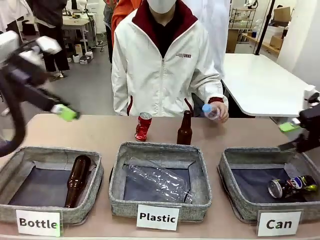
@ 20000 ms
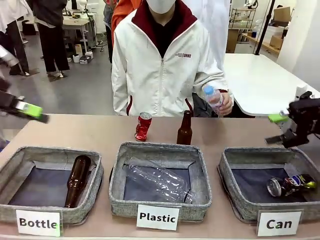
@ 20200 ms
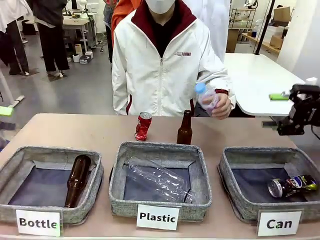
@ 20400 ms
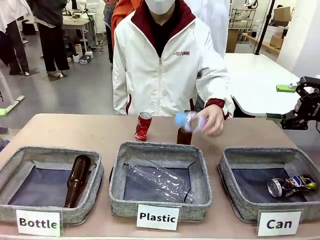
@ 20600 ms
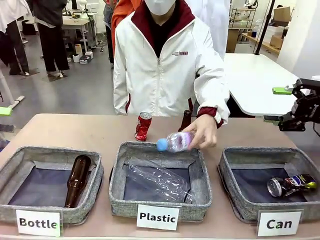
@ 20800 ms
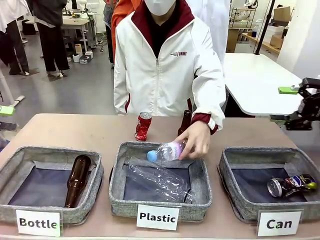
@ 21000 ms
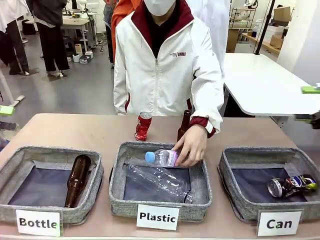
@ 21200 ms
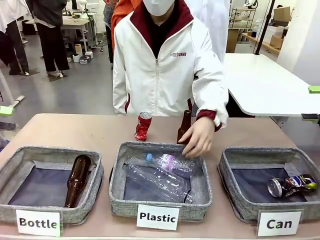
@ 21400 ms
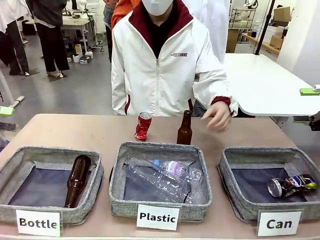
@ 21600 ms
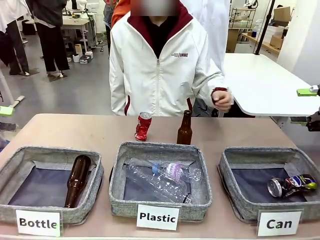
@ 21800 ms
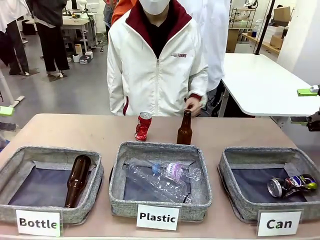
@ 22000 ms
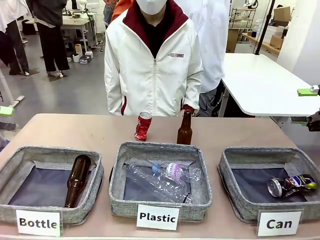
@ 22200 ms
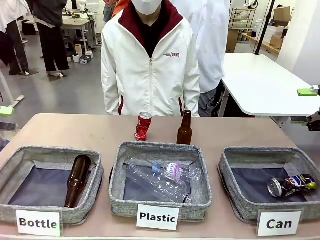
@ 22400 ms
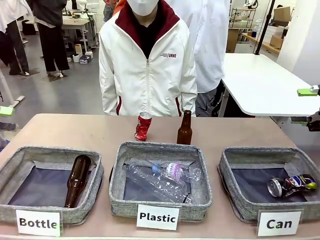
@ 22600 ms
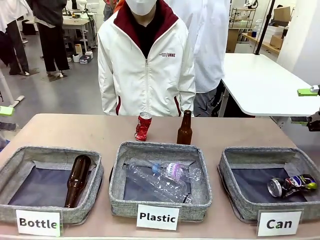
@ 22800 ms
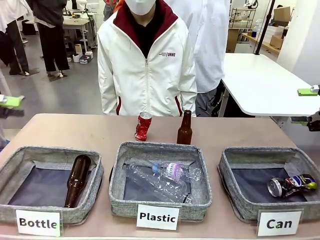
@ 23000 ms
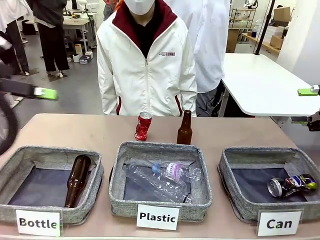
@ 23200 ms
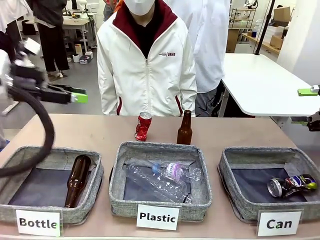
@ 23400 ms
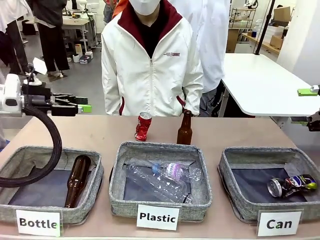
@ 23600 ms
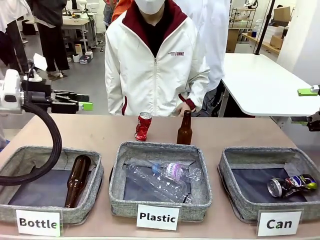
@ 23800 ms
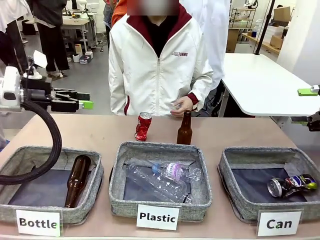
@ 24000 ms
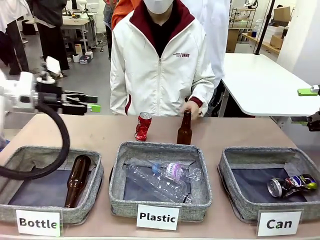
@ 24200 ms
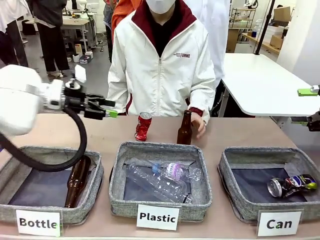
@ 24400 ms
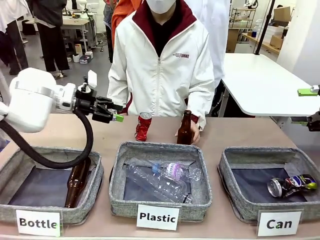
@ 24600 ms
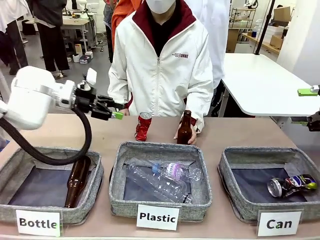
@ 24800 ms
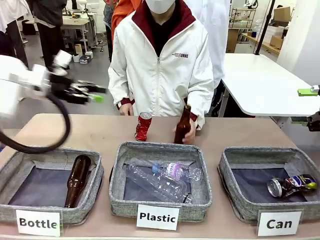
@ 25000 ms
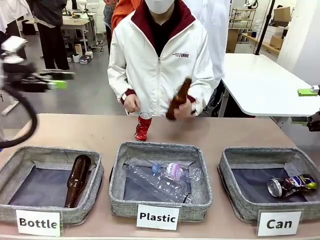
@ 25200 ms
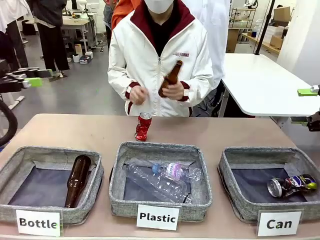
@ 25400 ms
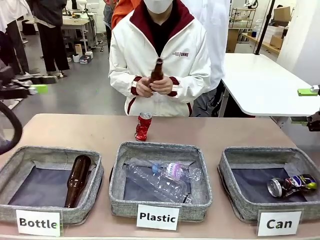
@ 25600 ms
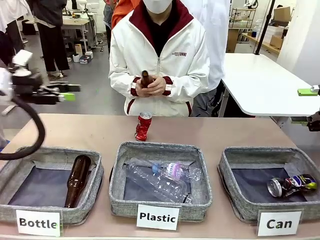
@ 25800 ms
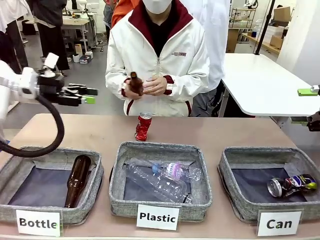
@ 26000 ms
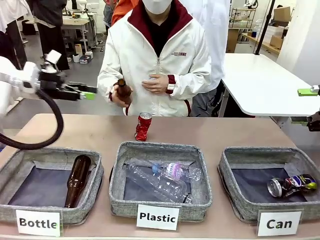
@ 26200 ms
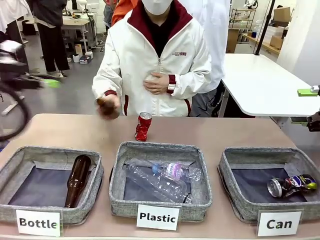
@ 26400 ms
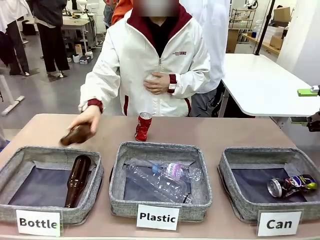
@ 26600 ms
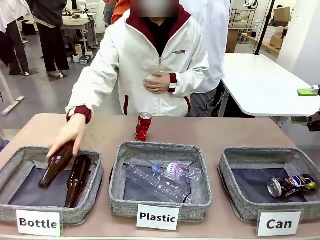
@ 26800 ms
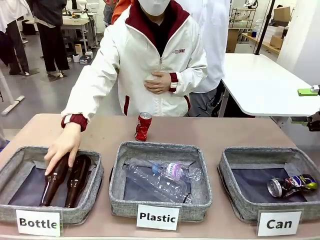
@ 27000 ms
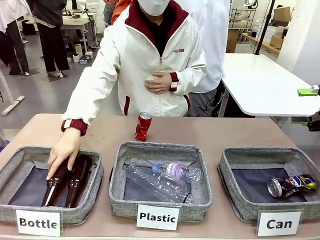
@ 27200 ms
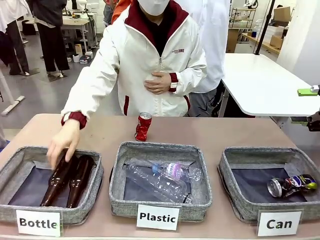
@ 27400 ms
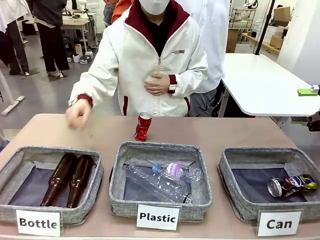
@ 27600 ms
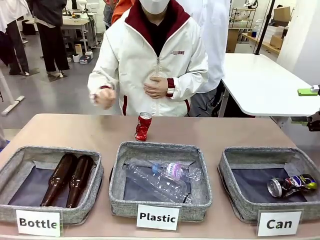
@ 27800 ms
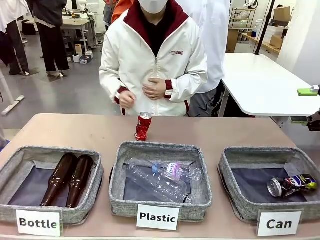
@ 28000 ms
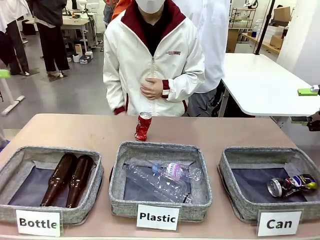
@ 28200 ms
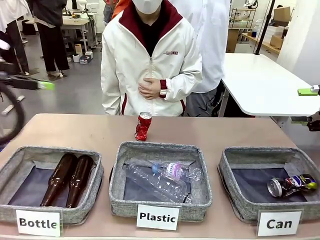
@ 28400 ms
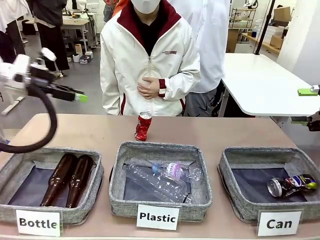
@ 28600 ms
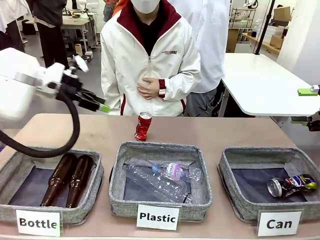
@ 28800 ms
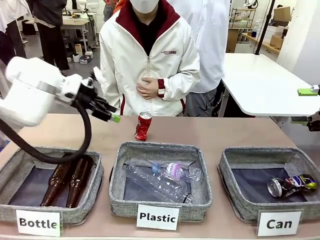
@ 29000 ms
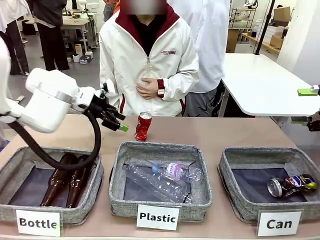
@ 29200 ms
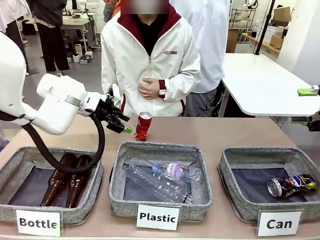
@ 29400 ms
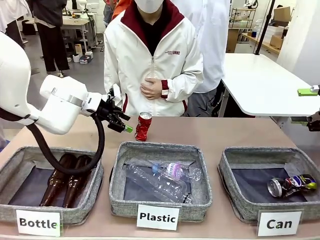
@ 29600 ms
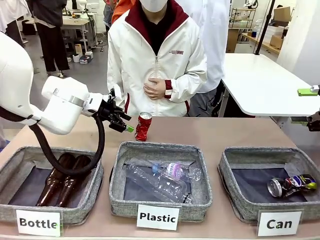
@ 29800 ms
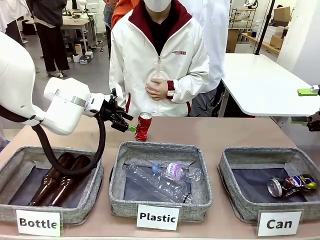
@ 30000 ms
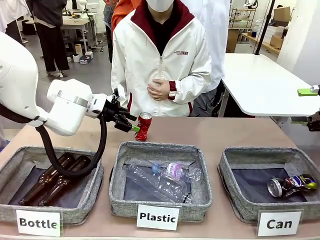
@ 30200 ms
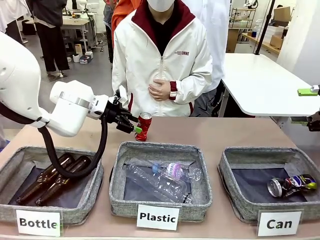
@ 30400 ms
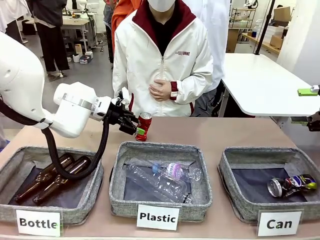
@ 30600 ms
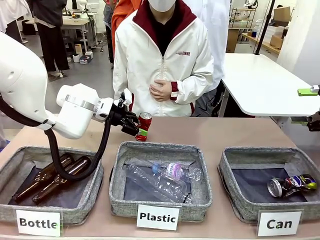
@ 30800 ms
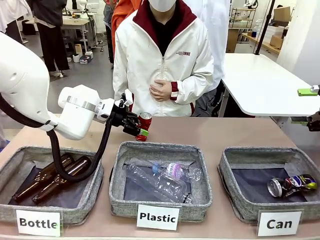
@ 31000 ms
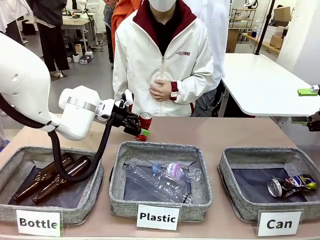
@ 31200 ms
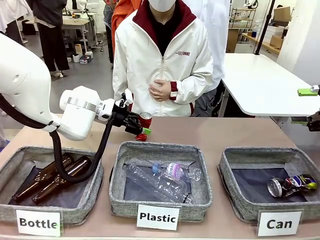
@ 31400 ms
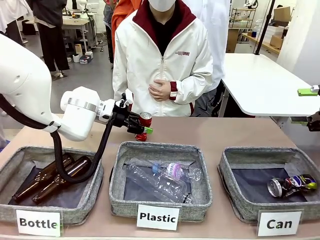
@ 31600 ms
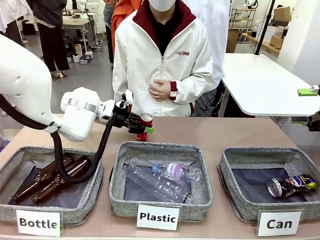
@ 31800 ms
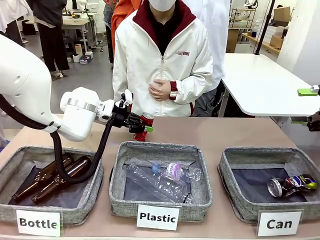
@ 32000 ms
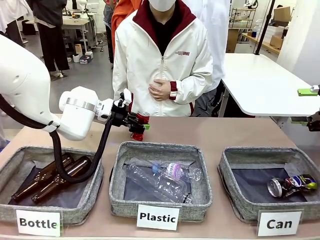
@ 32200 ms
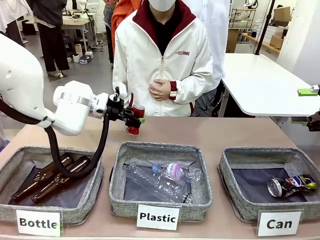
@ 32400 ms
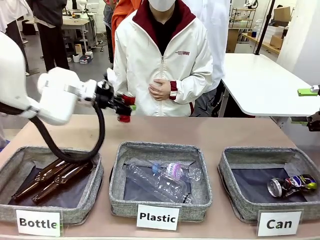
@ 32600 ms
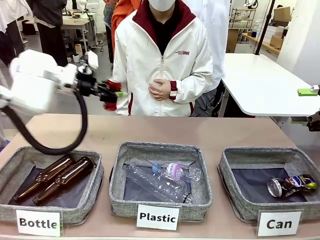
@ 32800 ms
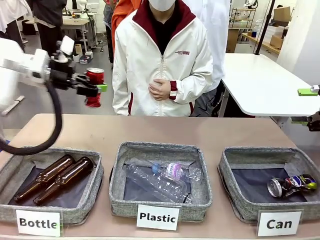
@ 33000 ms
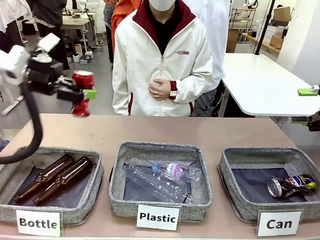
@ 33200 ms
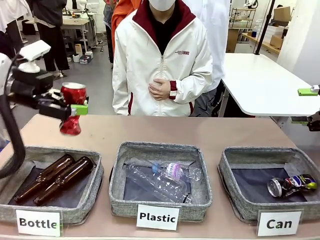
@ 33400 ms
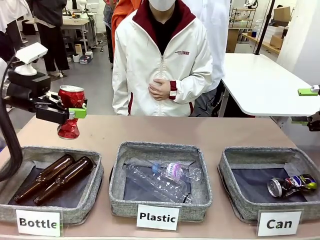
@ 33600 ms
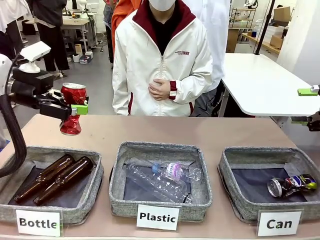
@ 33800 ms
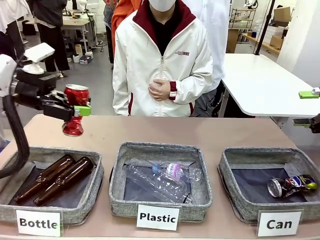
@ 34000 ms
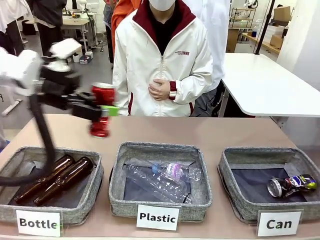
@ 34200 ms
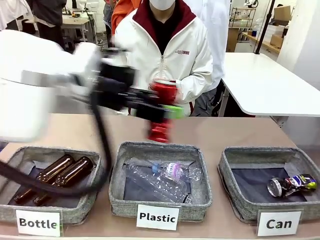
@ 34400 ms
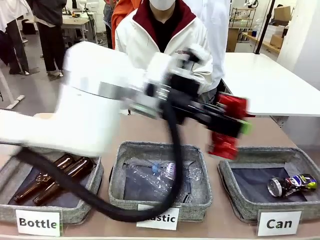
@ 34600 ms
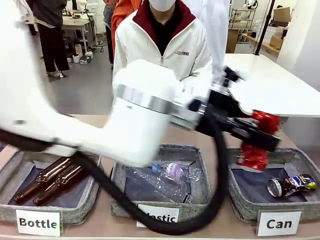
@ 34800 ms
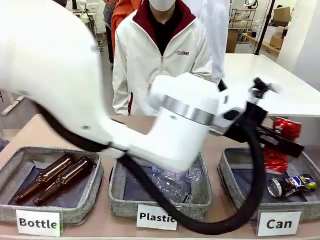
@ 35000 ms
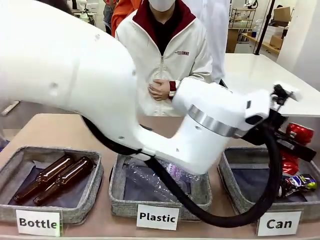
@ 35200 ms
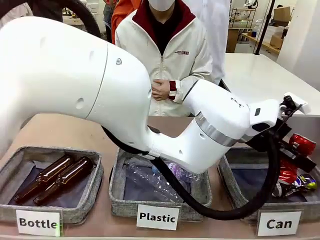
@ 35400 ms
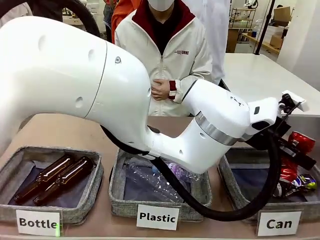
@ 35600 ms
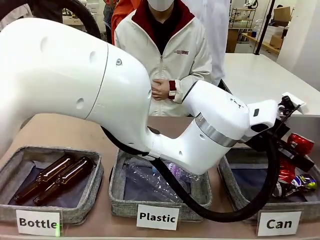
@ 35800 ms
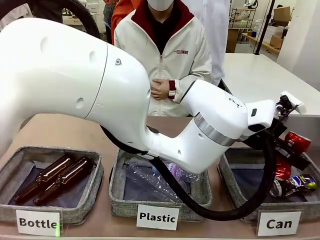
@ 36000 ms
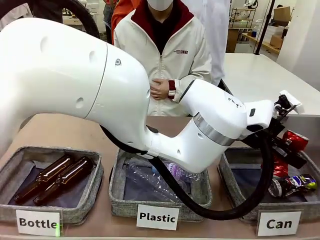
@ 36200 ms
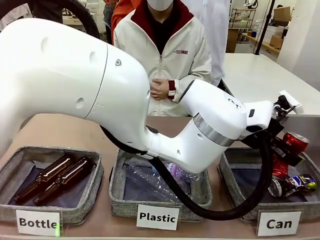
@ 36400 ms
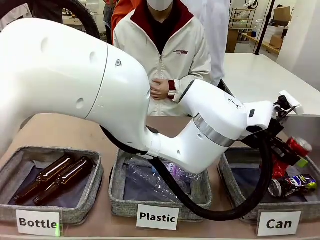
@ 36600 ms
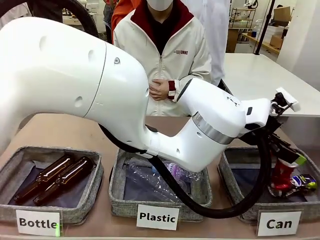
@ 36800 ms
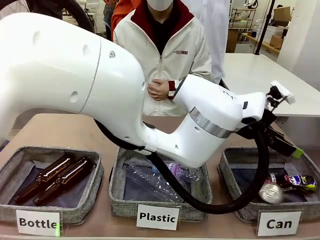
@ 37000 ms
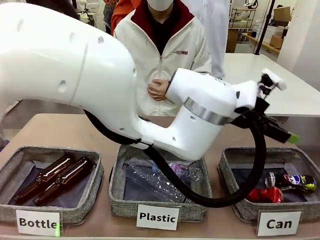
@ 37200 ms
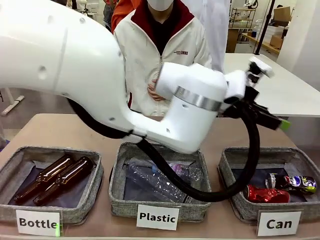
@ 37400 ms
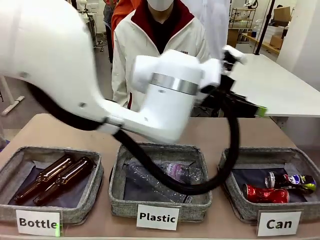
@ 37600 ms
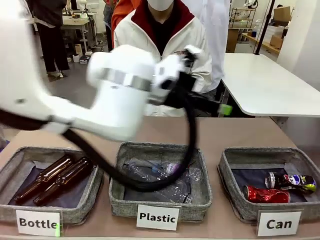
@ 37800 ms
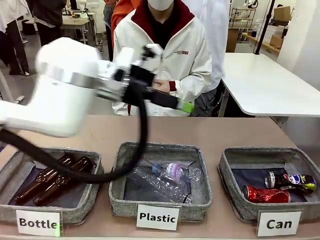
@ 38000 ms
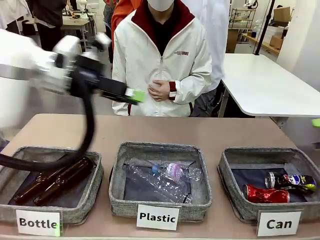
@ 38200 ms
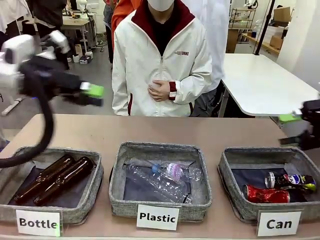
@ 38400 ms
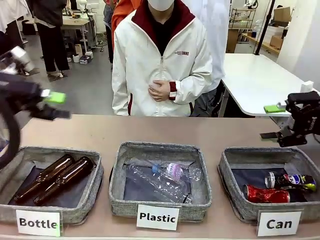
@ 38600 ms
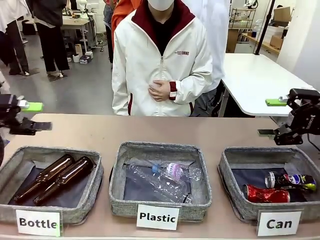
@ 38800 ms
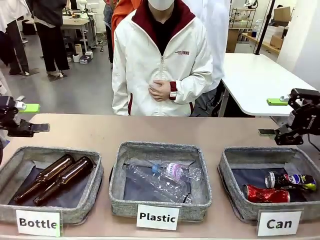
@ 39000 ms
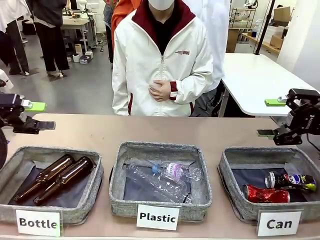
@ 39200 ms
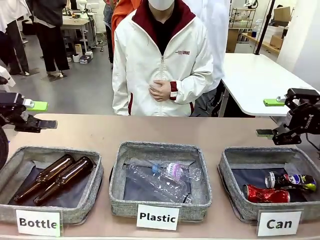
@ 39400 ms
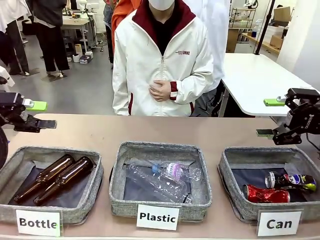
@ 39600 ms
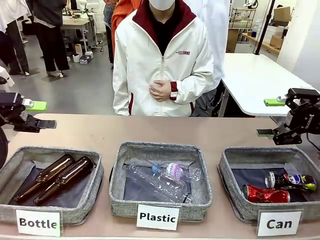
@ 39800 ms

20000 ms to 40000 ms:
Task: Sort the can waste into the basket.
Robot: Pick up the can waste from the table and place it in the right Fabric basket.
